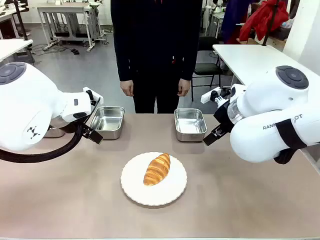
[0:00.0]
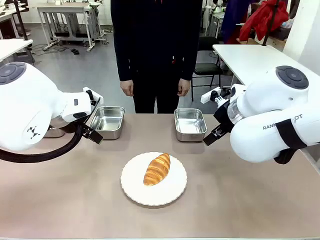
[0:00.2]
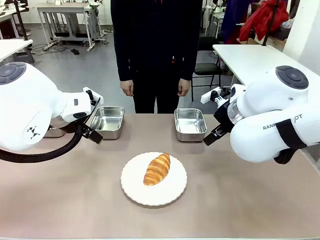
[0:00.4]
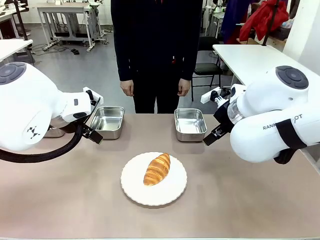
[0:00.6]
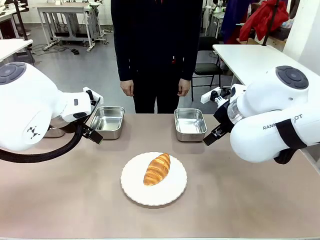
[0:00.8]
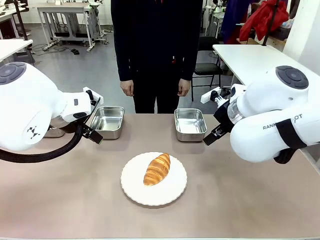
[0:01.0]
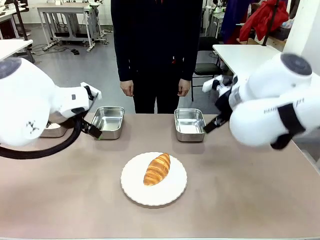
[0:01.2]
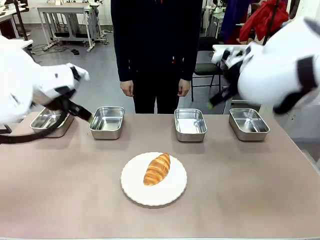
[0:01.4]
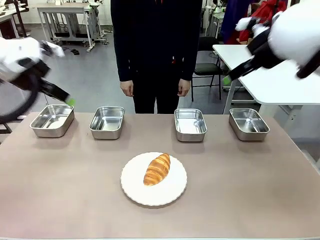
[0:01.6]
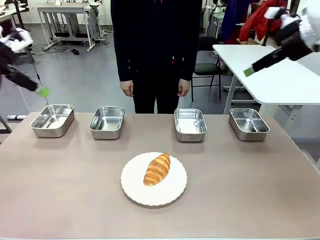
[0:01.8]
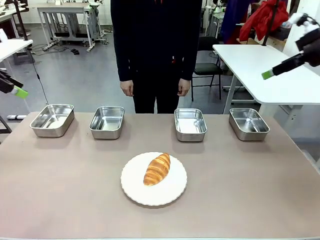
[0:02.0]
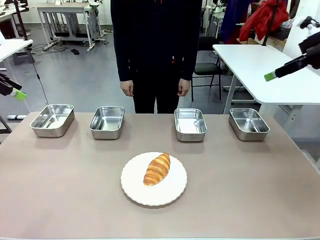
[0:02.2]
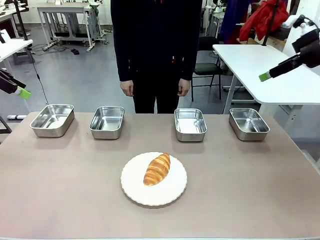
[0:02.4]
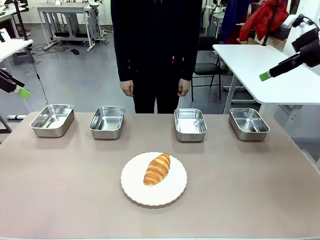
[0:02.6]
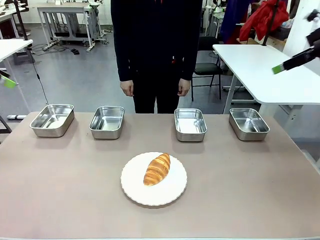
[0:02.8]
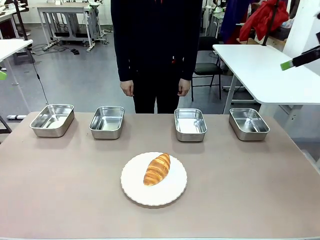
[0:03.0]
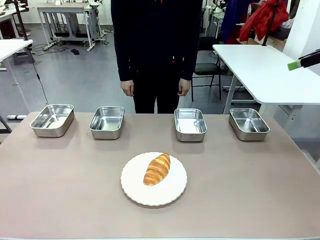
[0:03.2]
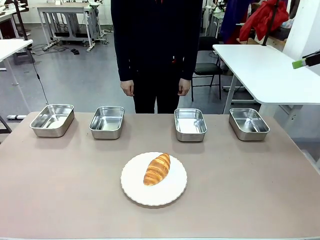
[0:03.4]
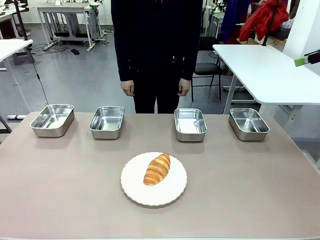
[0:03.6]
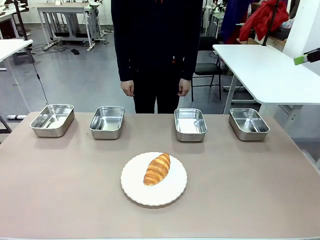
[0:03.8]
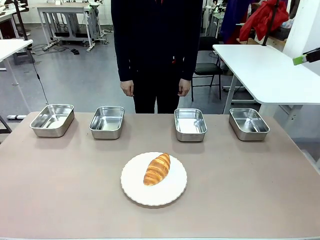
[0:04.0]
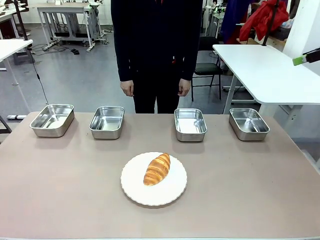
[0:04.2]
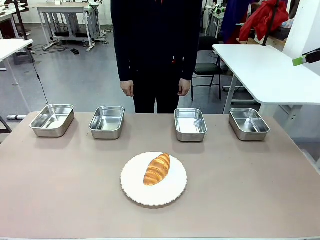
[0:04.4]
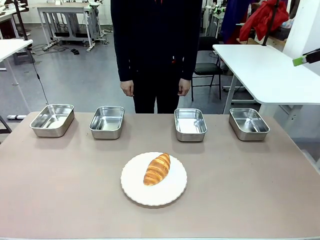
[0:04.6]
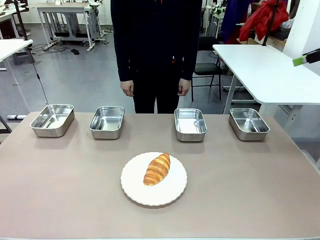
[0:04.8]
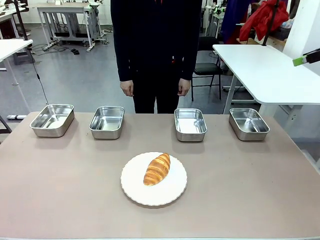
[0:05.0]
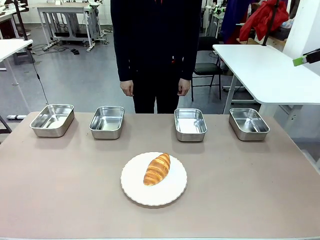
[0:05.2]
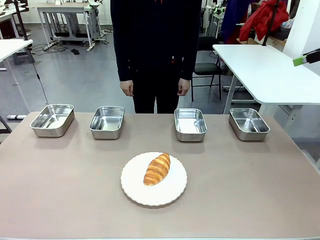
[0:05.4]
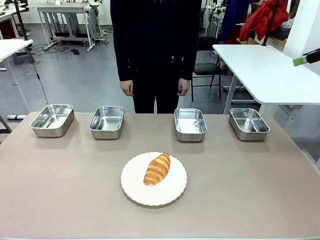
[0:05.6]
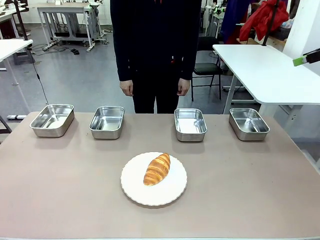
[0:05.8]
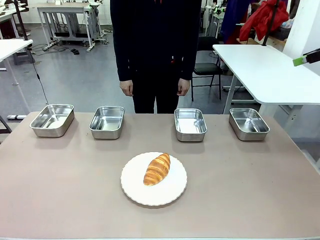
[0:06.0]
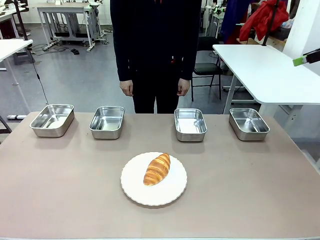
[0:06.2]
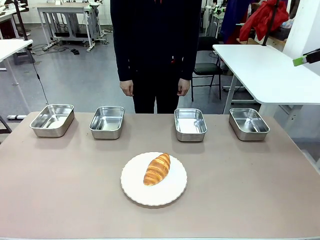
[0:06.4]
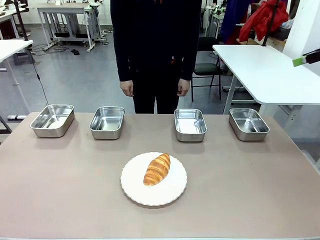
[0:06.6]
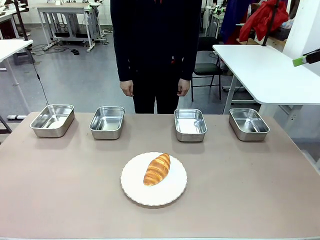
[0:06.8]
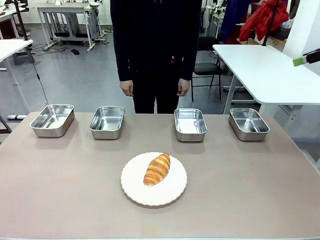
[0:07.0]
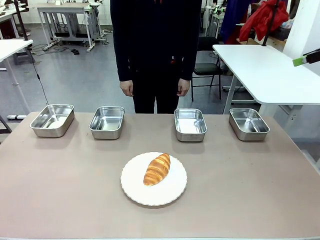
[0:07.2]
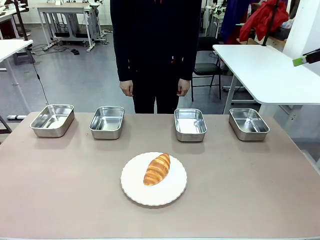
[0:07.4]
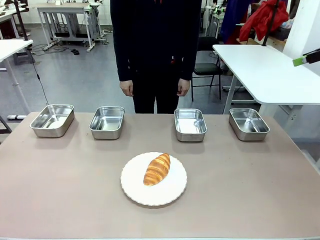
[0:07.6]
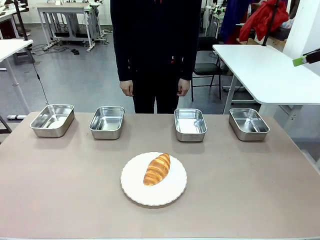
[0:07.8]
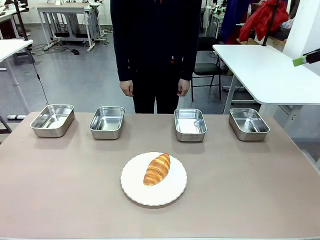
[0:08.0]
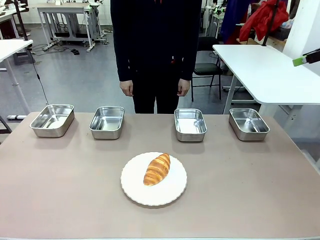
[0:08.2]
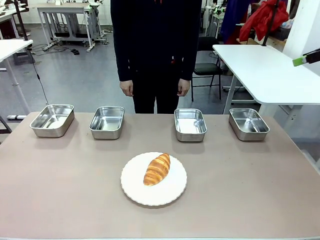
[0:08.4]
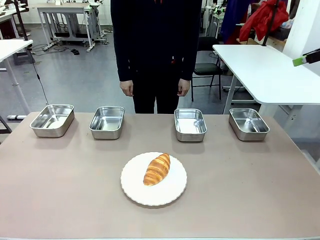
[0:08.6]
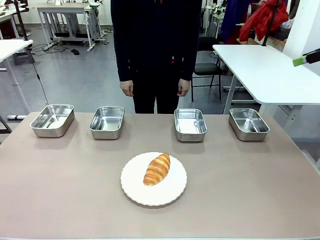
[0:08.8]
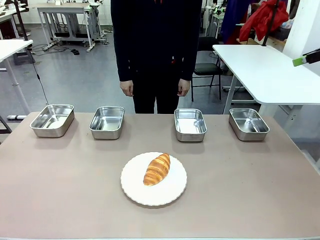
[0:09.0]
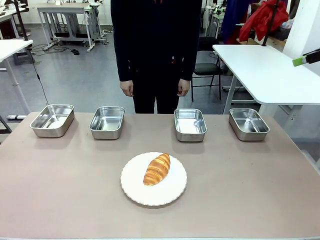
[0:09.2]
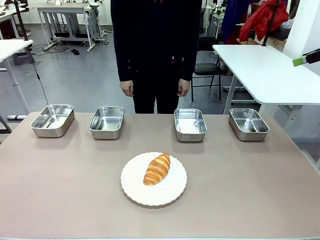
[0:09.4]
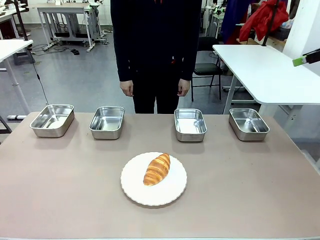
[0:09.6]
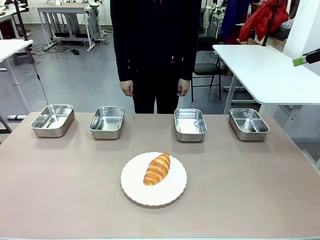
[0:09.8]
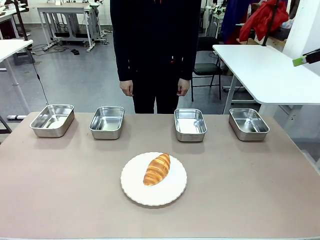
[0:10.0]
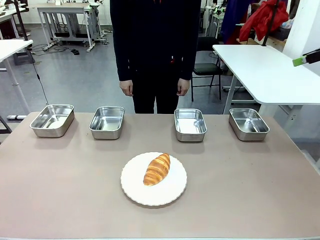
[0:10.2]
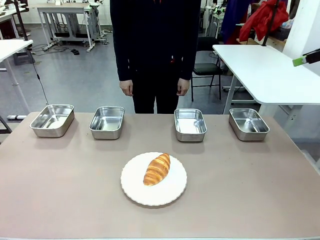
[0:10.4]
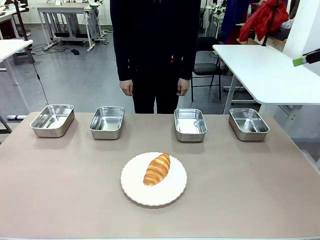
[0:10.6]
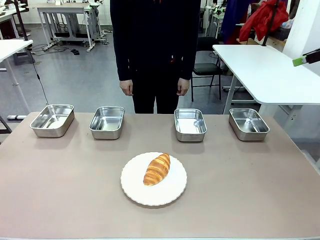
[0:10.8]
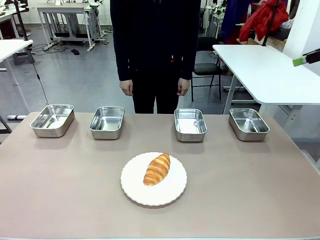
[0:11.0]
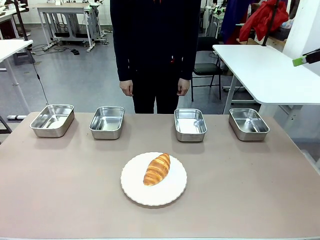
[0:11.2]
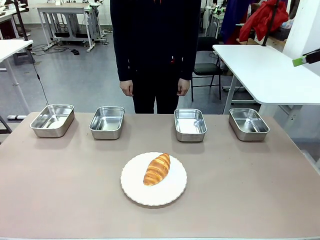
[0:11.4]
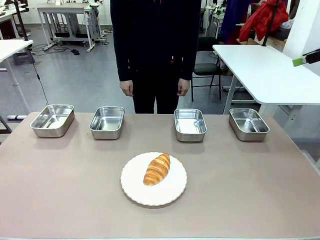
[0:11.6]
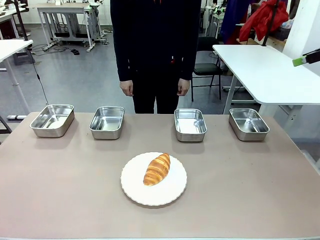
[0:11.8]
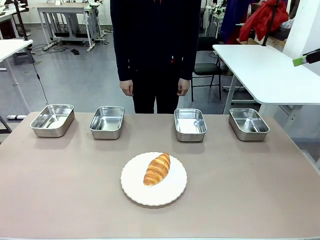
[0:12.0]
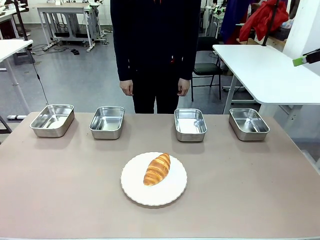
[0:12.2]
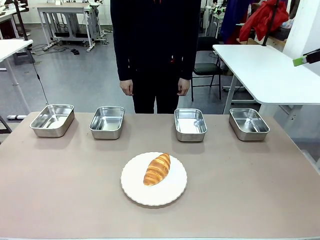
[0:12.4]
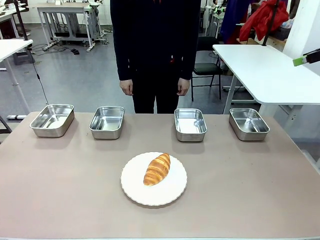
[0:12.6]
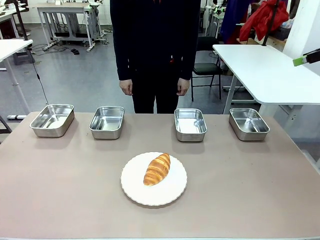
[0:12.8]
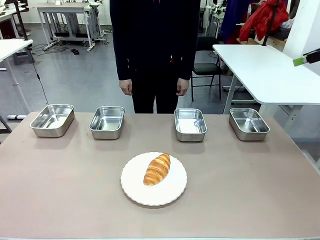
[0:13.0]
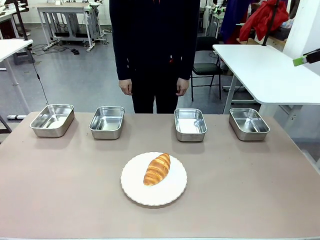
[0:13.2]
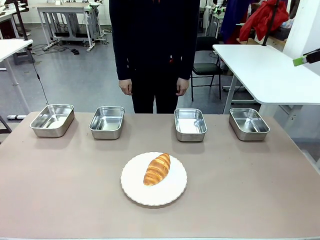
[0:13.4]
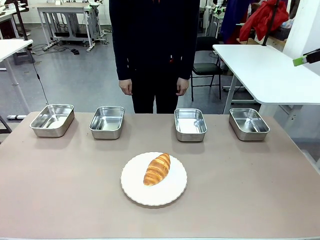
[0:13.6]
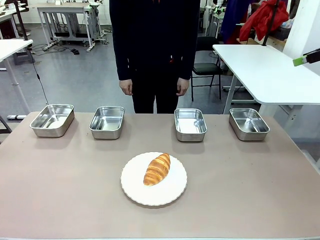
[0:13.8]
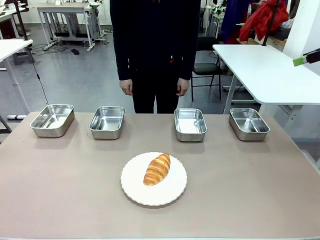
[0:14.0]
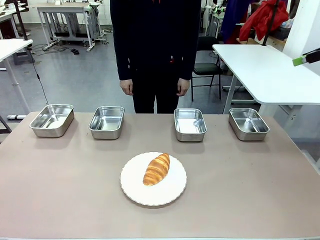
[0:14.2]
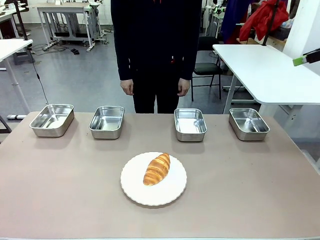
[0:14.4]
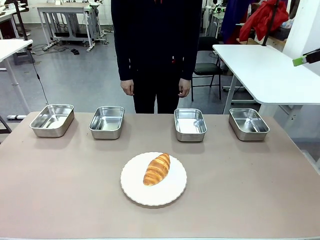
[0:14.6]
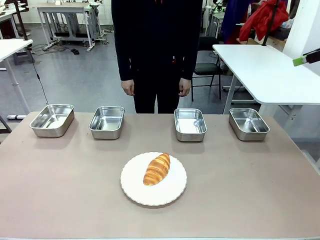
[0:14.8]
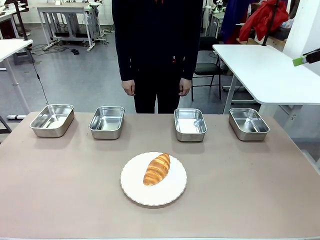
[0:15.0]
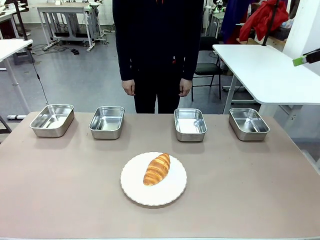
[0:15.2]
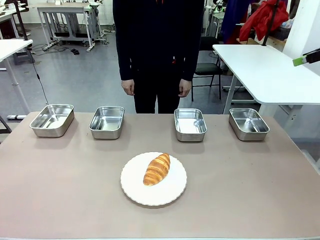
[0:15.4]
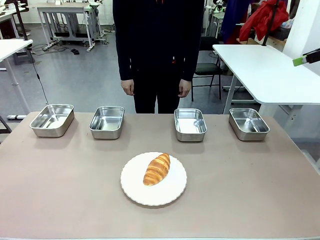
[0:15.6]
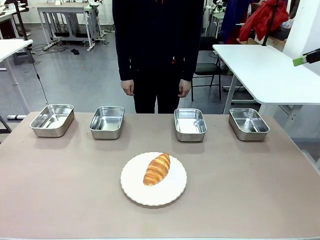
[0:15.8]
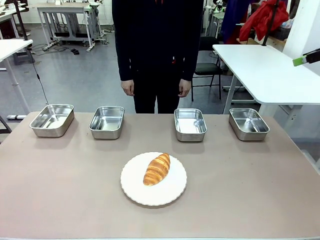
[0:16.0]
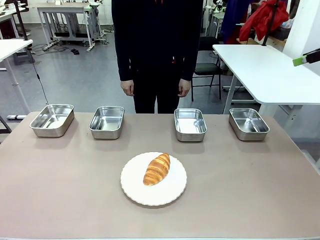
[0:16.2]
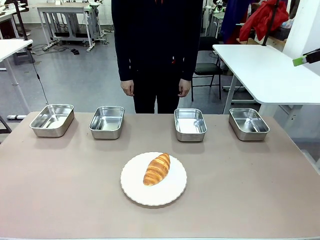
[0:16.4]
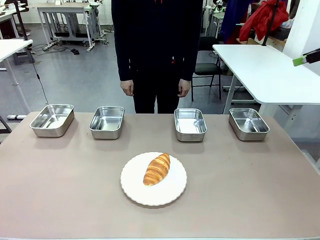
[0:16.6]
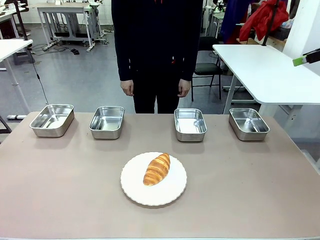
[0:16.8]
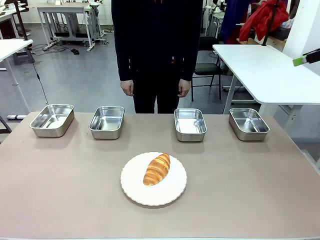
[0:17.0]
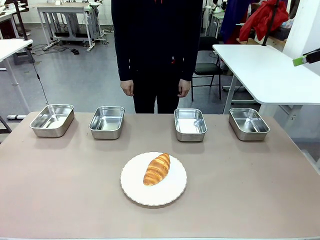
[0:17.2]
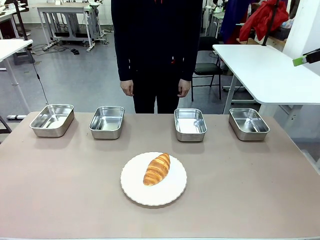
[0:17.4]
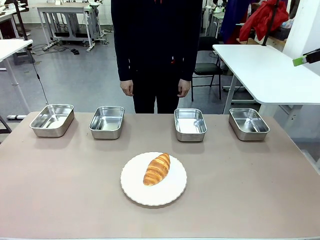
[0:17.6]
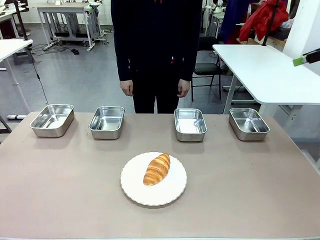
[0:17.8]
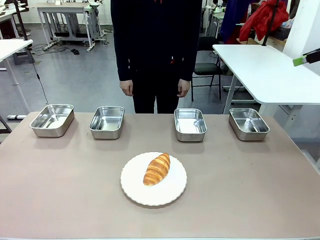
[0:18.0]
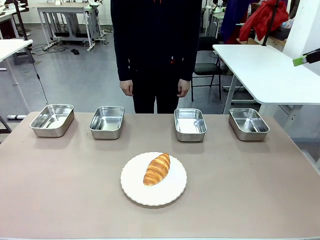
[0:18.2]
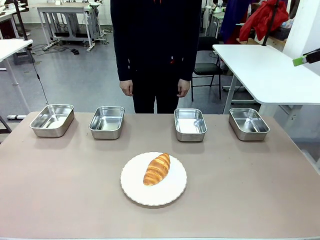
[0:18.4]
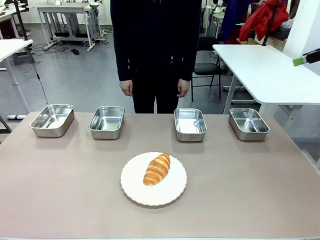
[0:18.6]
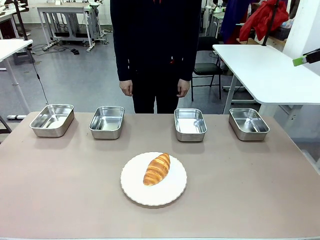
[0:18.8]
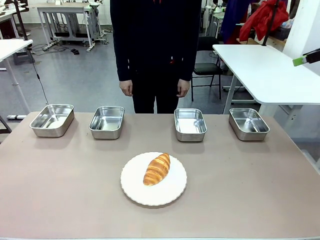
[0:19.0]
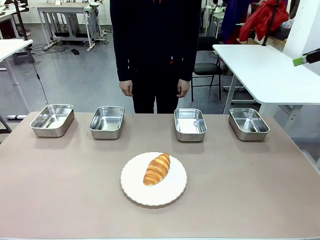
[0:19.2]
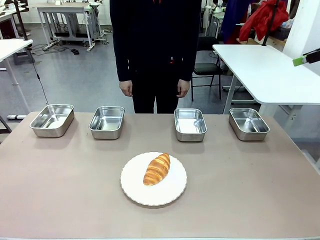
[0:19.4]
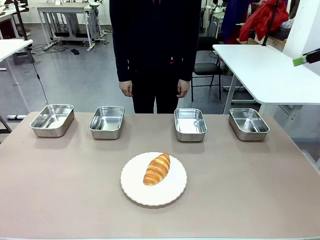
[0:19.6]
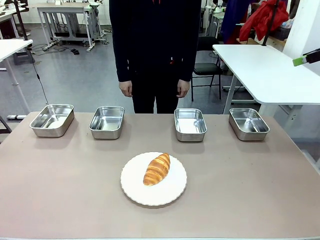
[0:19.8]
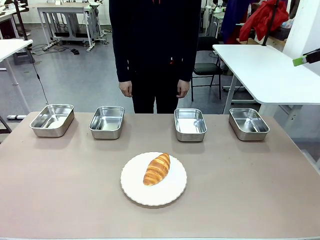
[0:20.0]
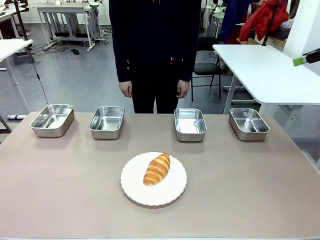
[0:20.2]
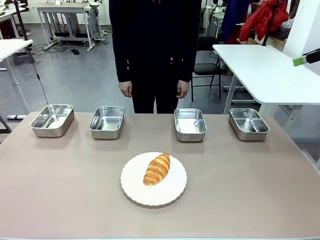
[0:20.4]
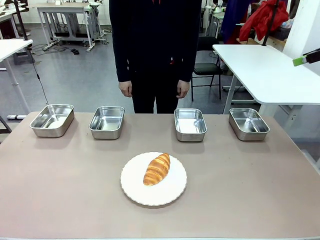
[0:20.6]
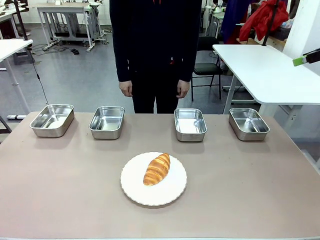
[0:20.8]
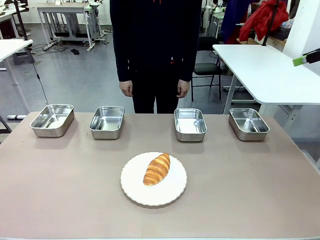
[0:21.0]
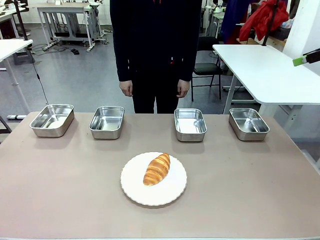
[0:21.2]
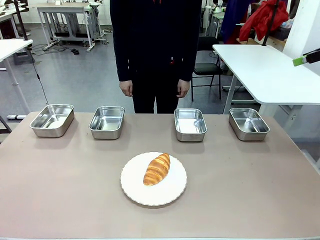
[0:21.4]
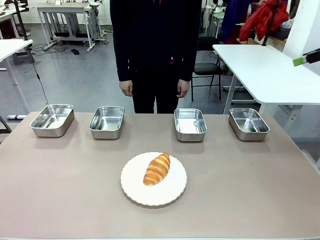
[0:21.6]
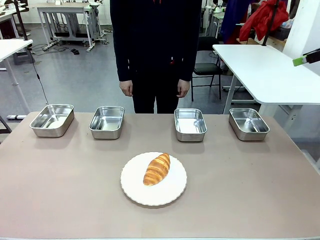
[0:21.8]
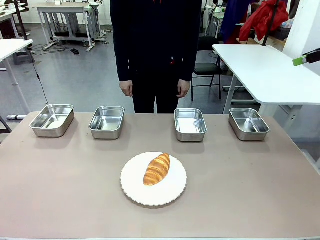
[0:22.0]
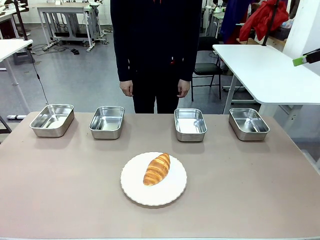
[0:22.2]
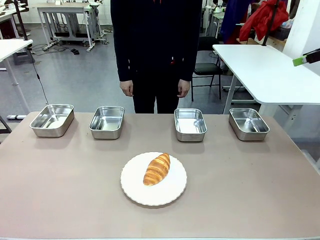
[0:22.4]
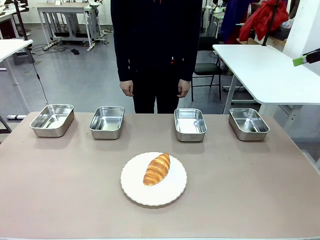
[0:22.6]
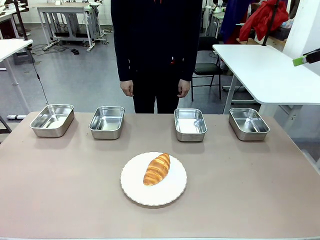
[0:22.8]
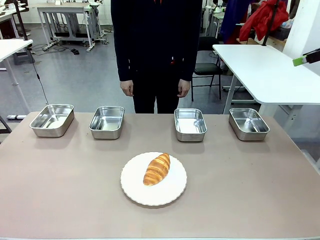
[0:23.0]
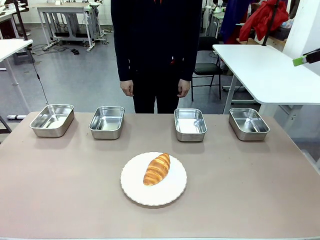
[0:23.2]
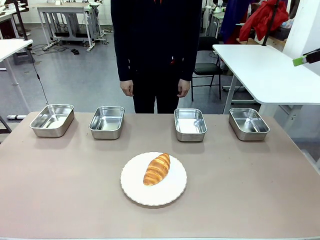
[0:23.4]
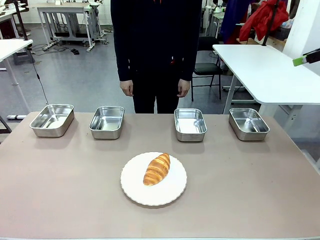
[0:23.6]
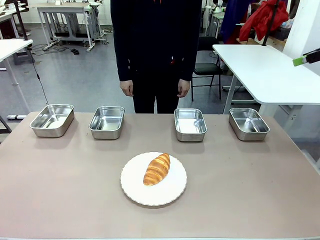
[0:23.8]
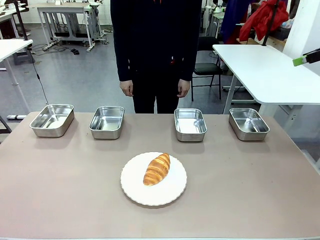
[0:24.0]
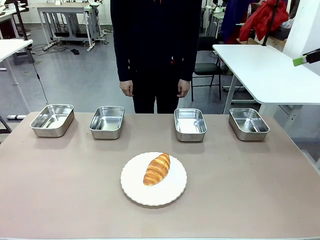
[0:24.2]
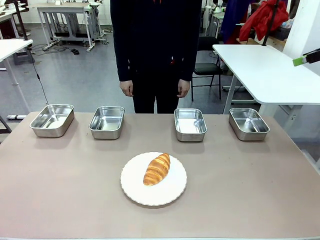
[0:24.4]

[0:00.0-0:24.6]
Task: Place the bread in the container.
Robot: Place the Butter Roll into the Airtight Container indicated by the human.
